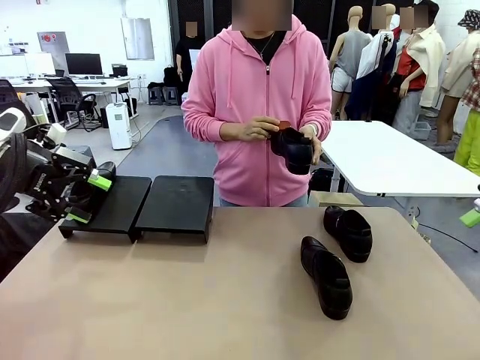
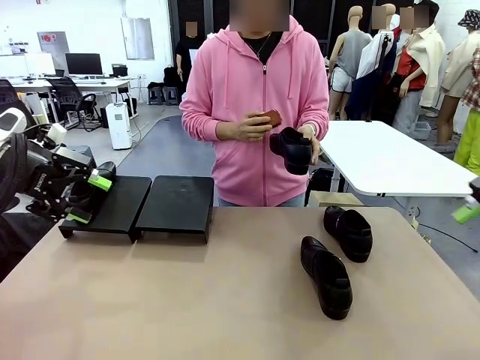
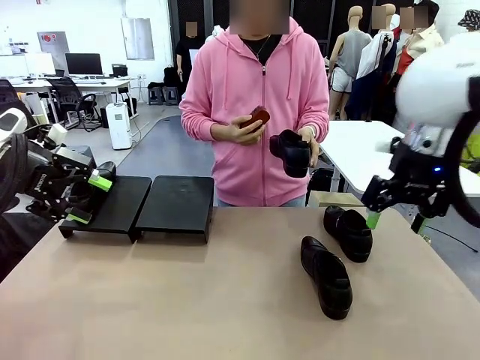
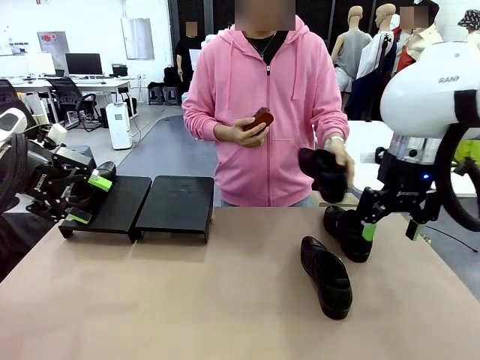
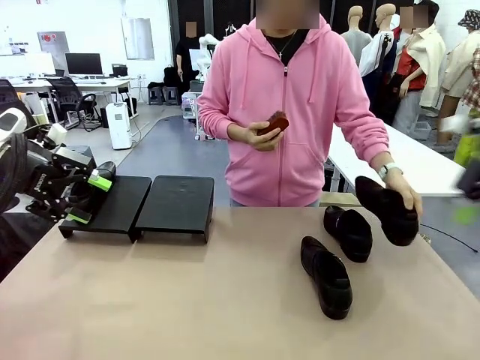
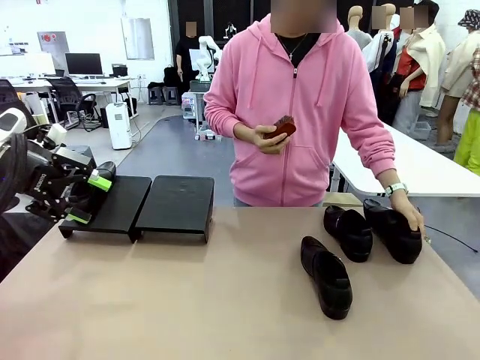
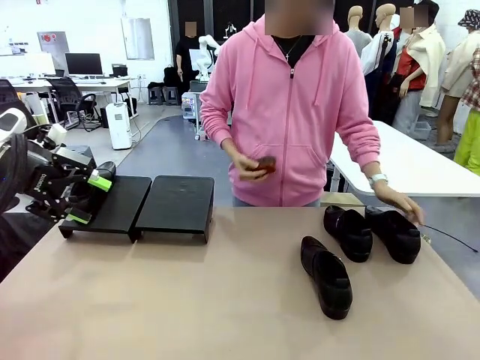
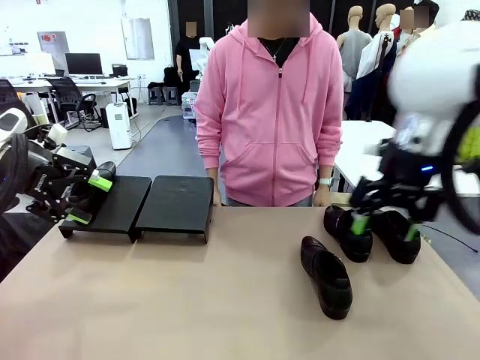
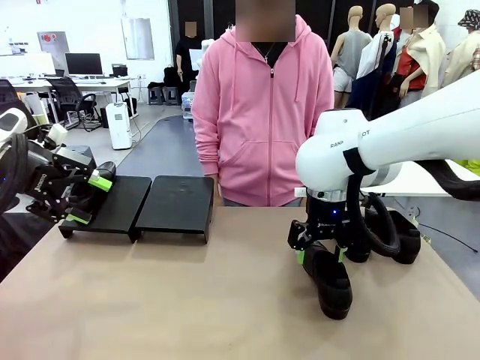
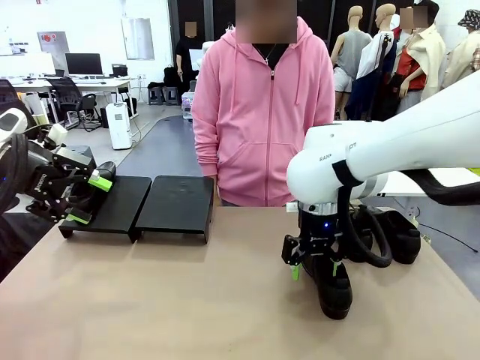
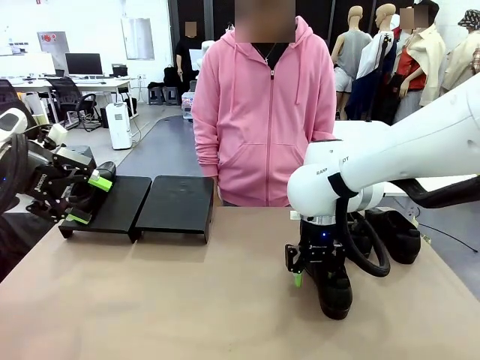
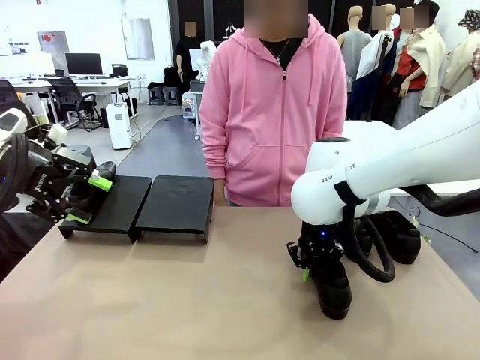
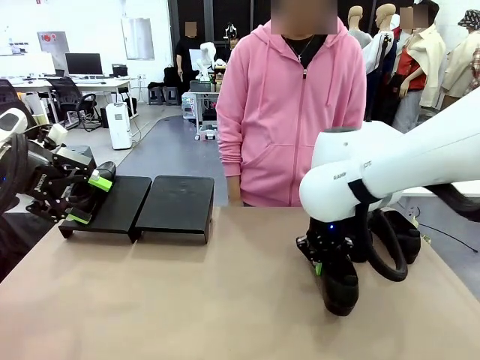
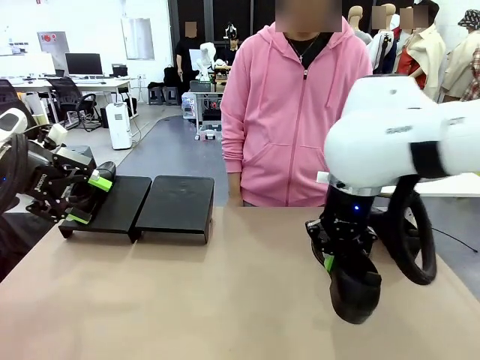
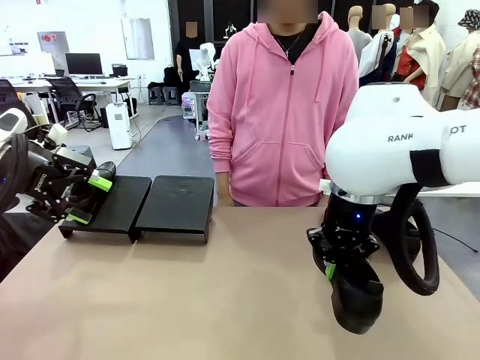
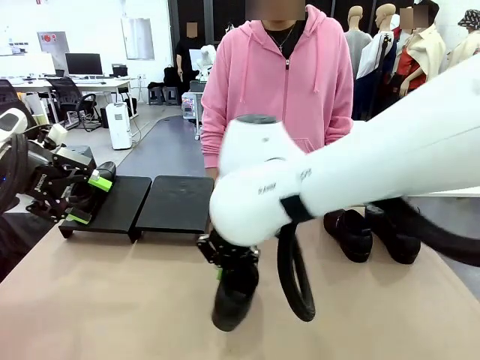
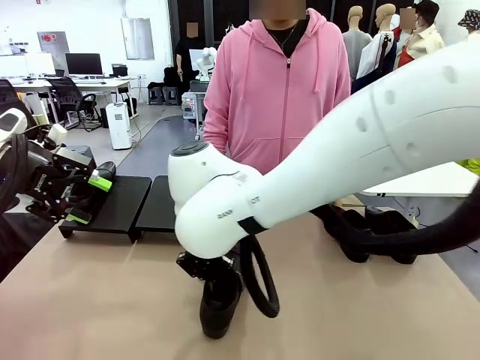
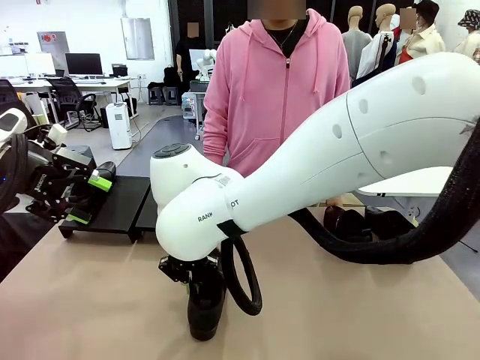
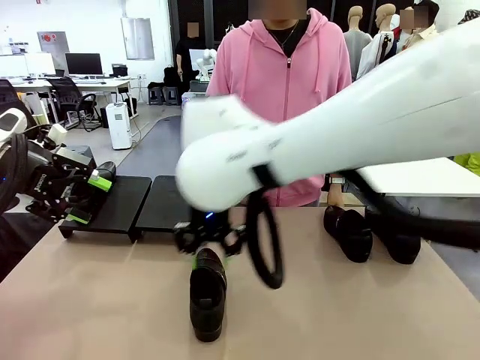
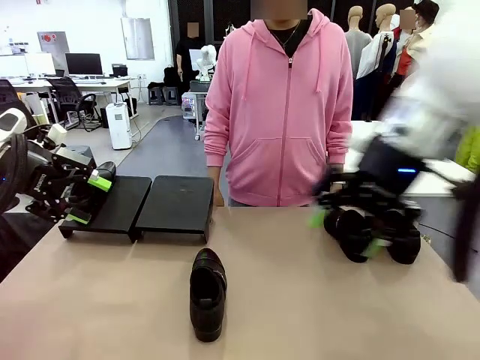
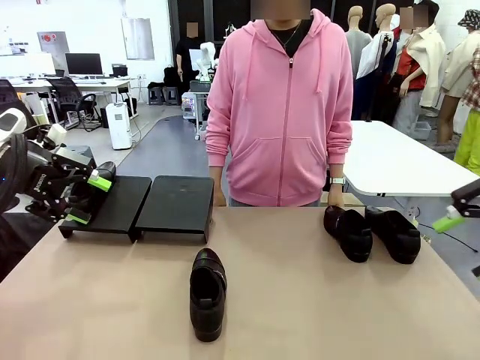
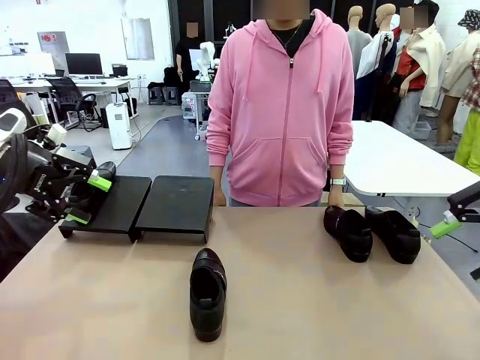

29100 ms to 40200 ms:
Task: Organize the shoes by placing them on the stand.
Robot: Pick up one Shoe and place it in the middle of the table.

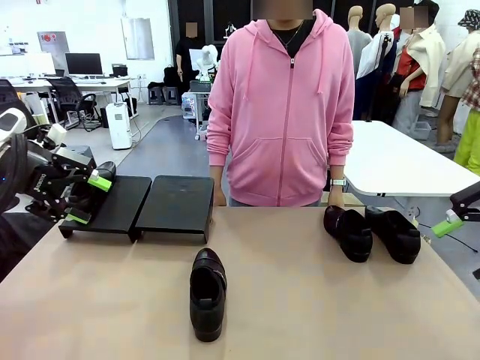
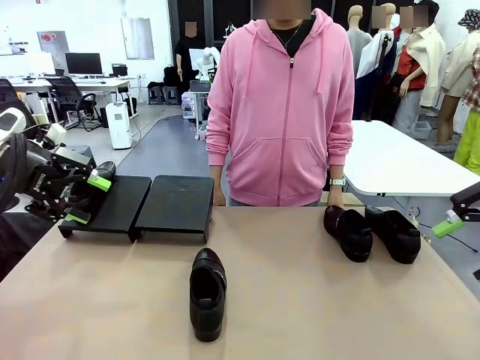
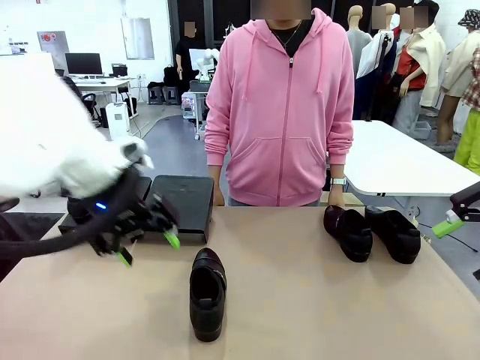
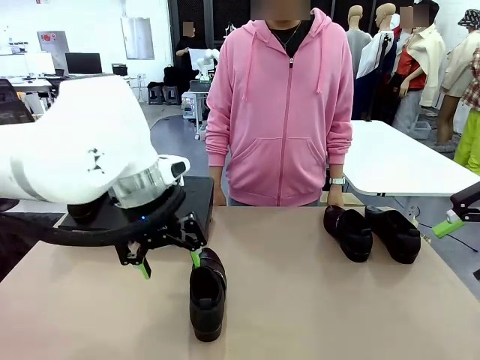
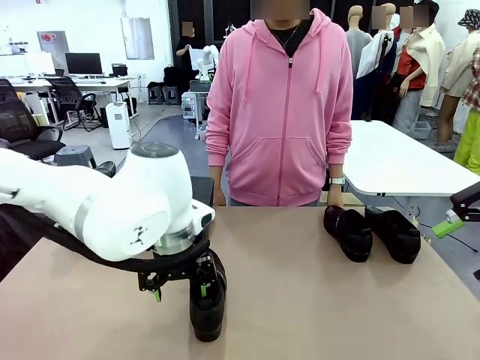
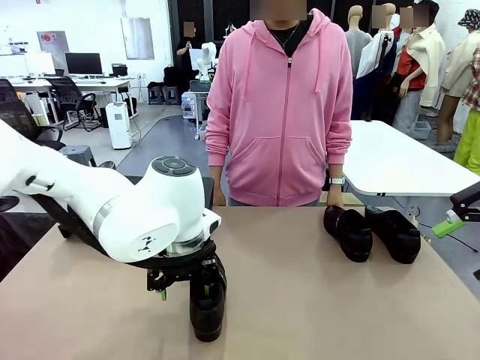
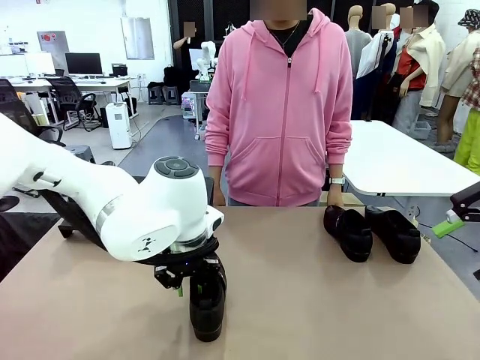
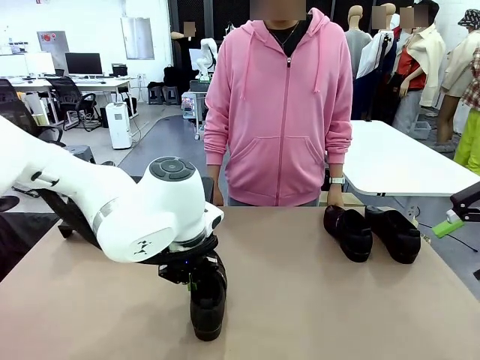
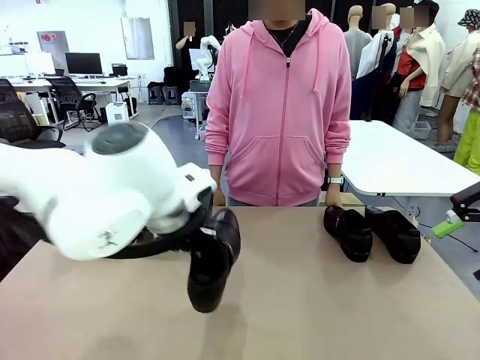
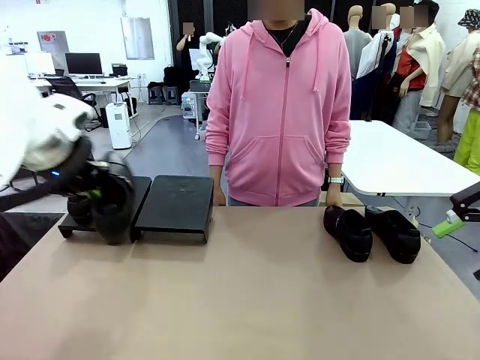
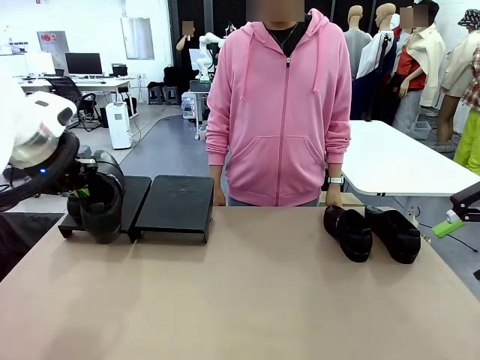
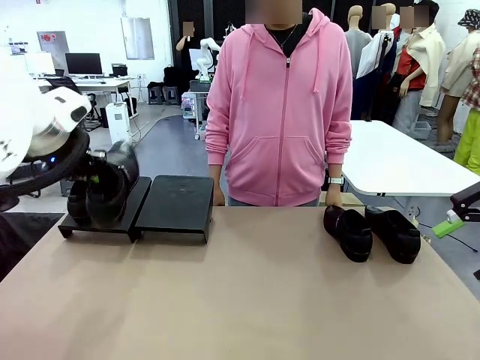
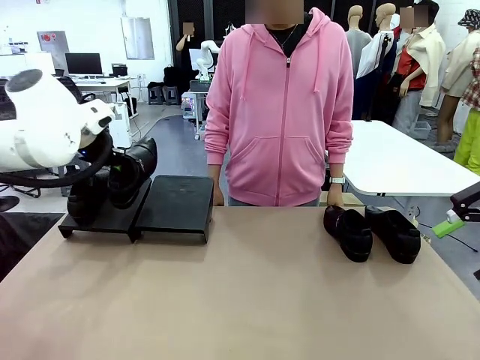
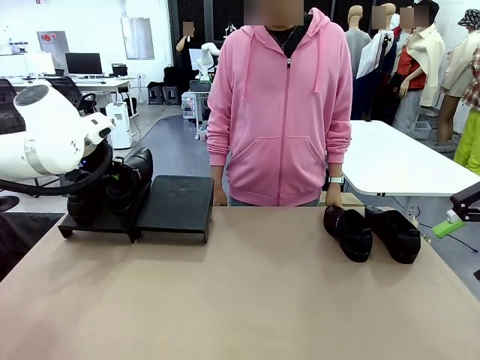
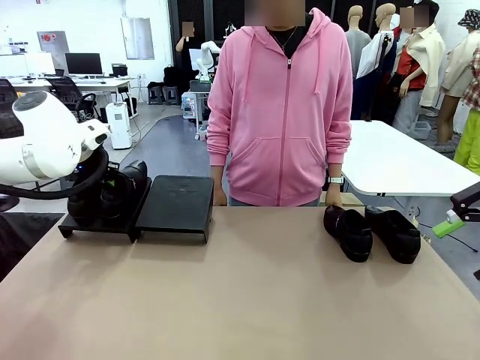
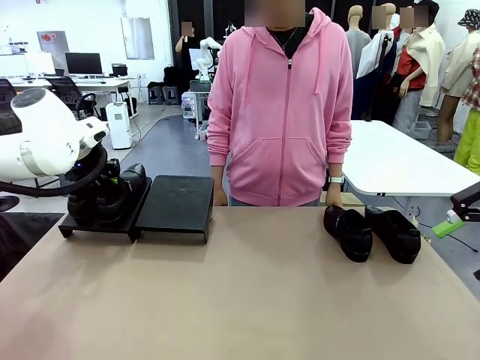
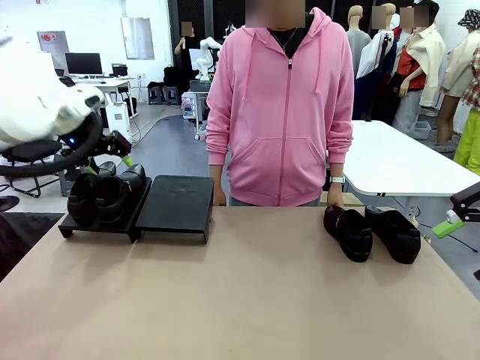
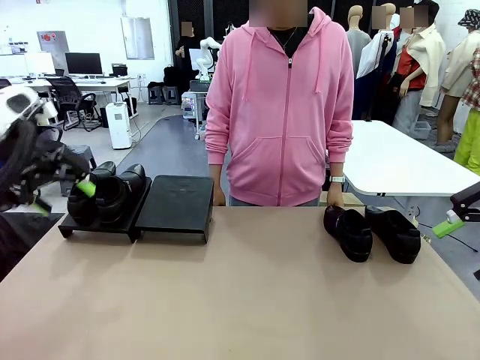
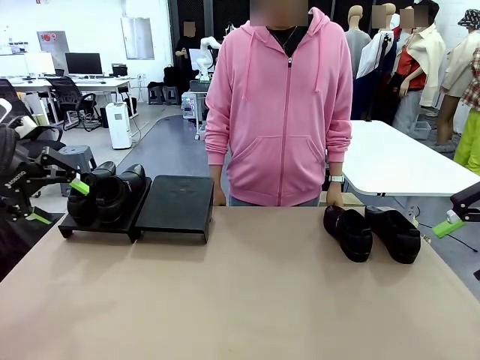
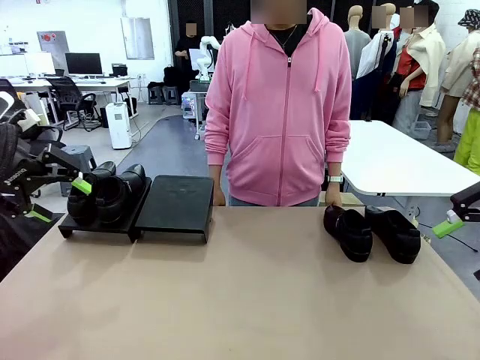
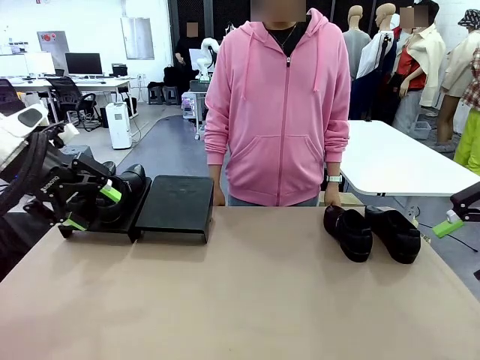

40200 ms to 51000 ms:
Robot: Place the Shoe from the middle of the table onto the Shoes Stand.

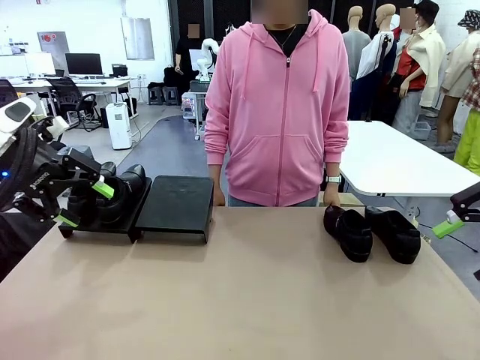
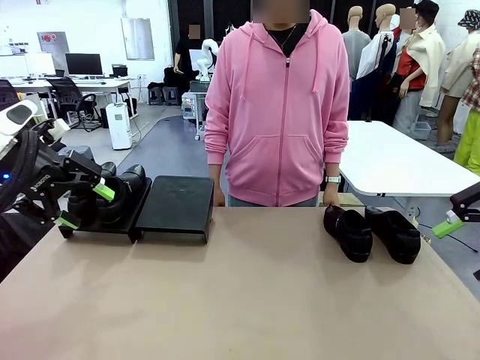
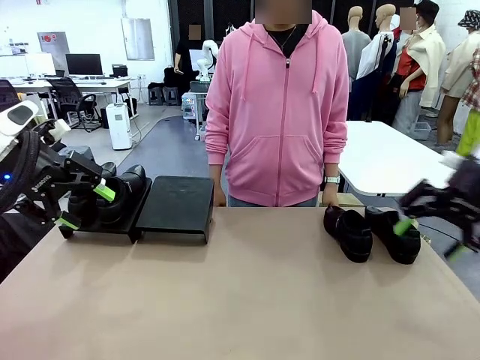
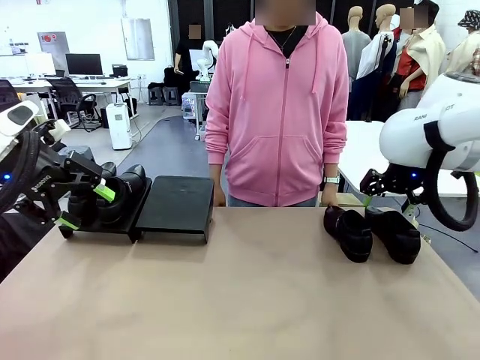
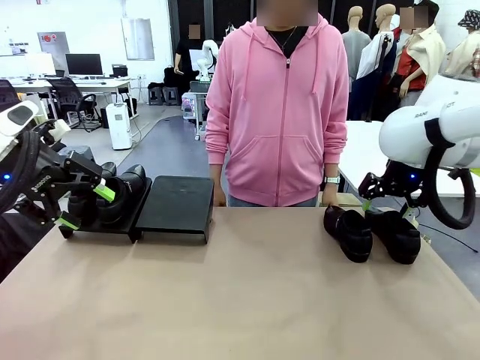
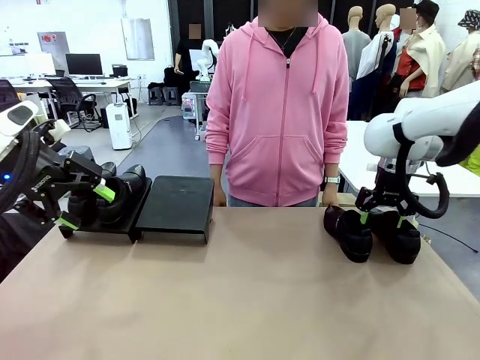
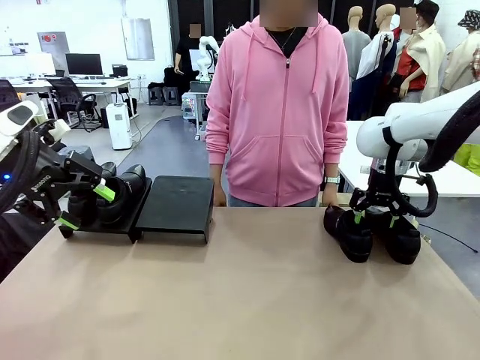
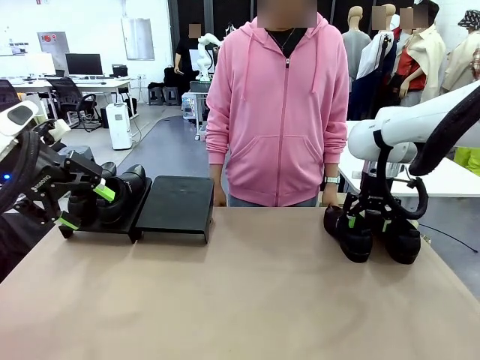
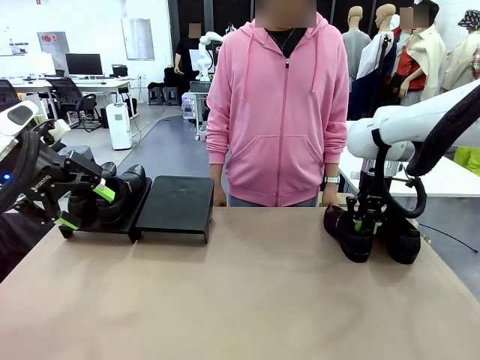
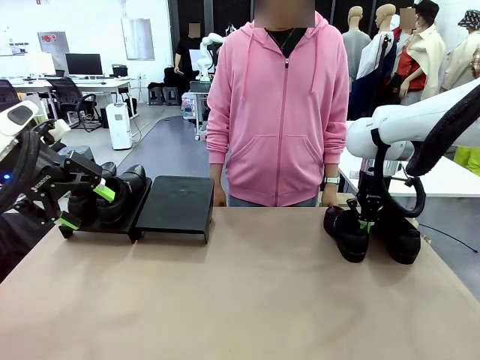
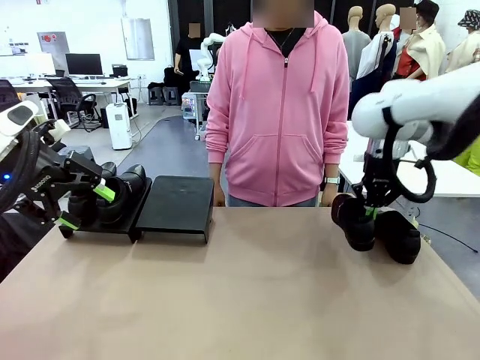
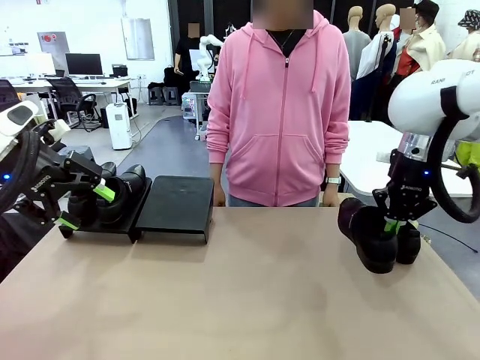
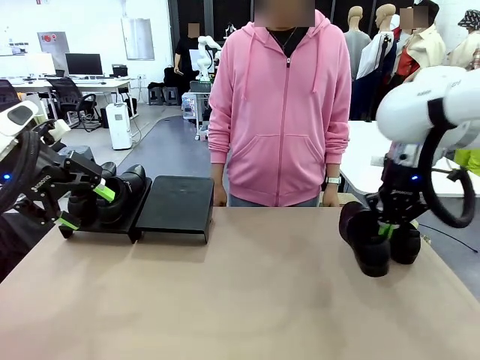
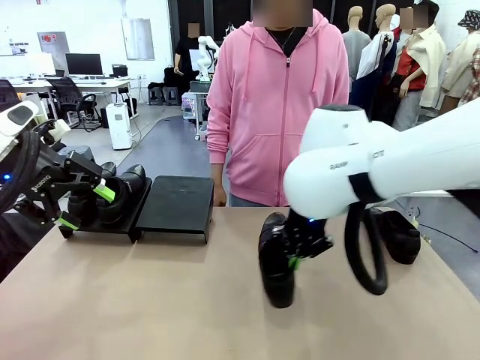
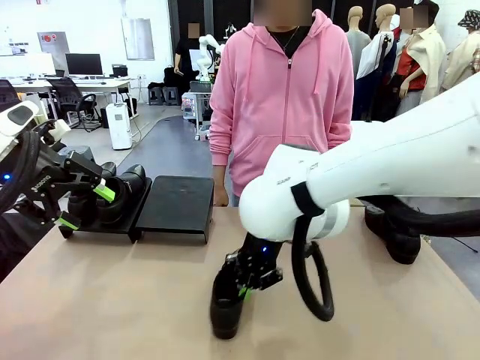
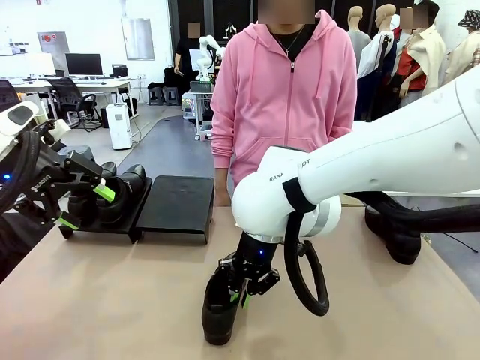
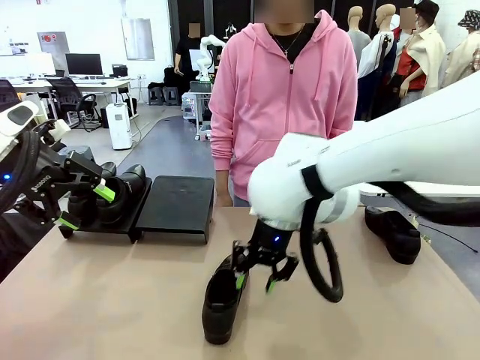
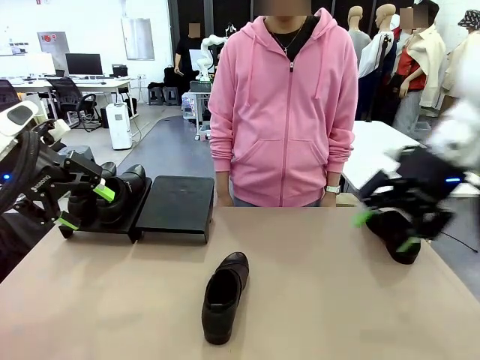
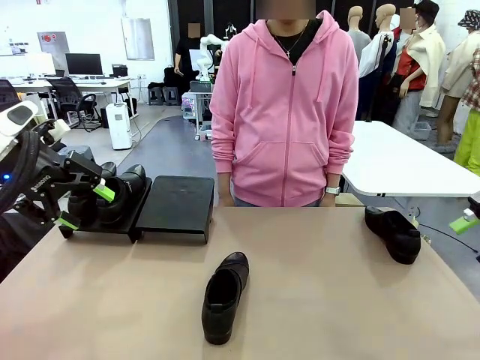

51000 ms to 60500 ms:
Robot: Pick up one Shoe and place it in the middle of the table.
